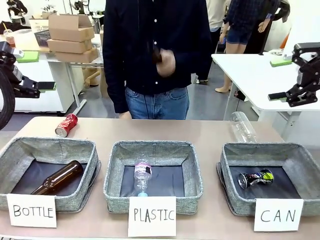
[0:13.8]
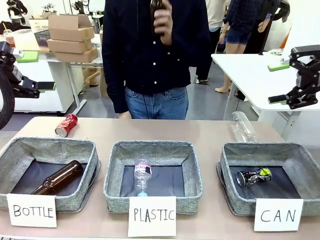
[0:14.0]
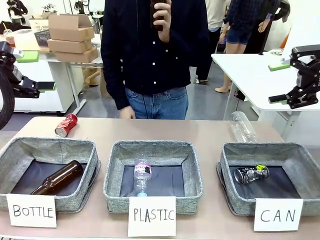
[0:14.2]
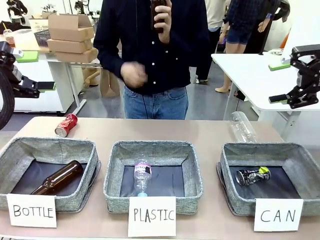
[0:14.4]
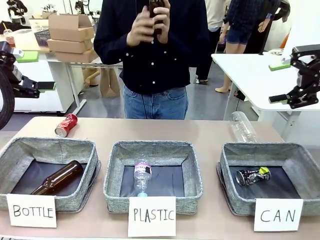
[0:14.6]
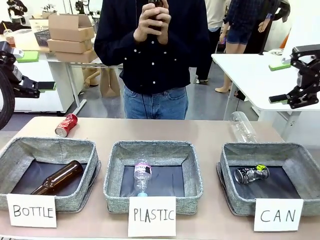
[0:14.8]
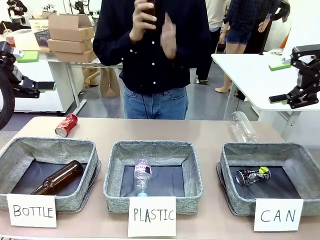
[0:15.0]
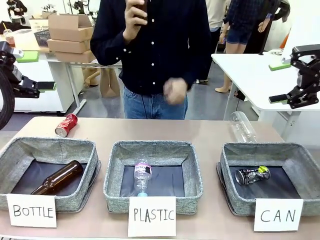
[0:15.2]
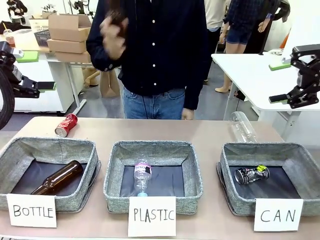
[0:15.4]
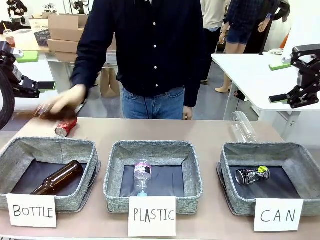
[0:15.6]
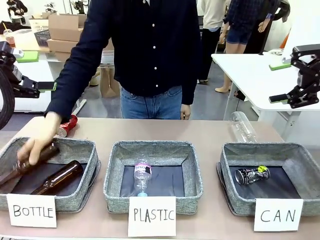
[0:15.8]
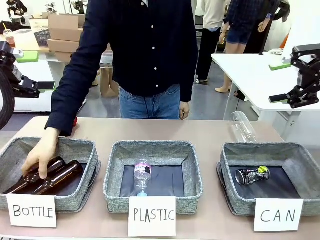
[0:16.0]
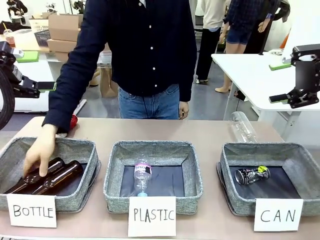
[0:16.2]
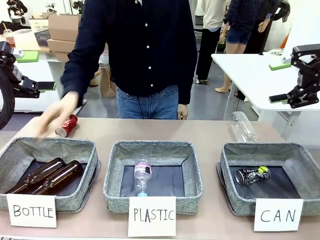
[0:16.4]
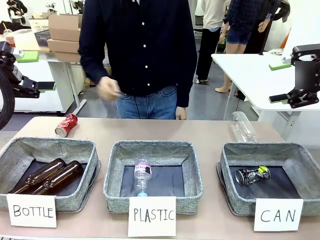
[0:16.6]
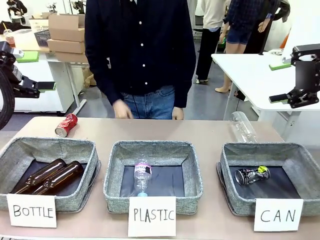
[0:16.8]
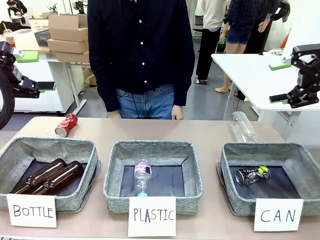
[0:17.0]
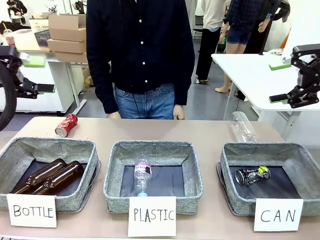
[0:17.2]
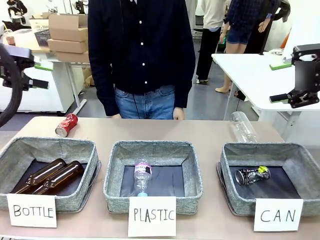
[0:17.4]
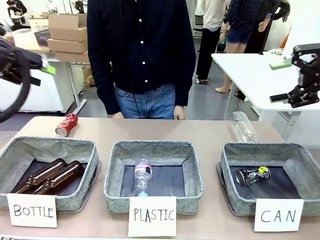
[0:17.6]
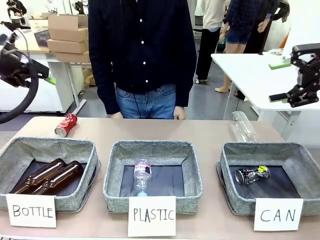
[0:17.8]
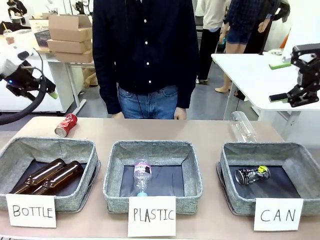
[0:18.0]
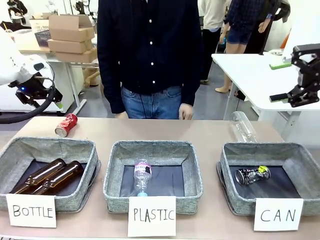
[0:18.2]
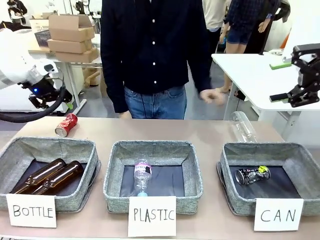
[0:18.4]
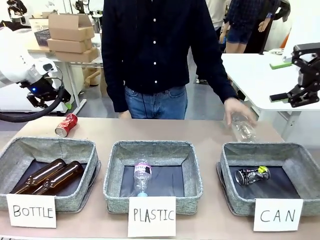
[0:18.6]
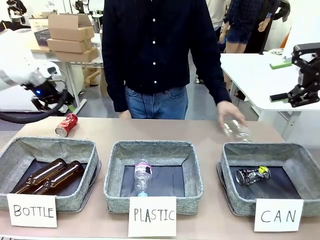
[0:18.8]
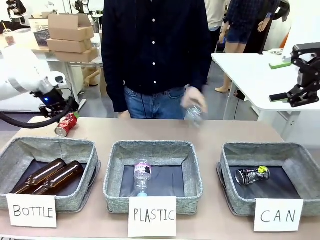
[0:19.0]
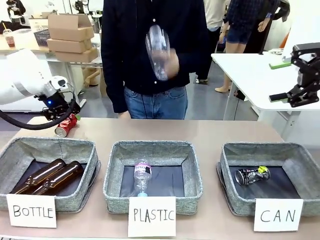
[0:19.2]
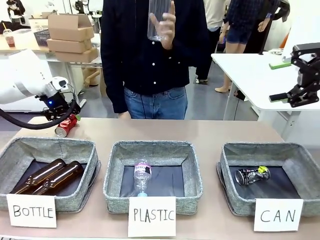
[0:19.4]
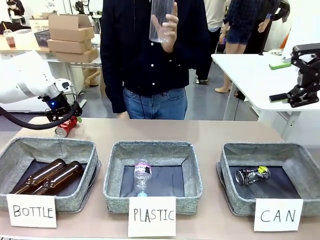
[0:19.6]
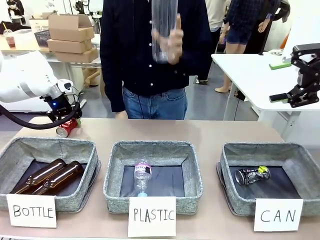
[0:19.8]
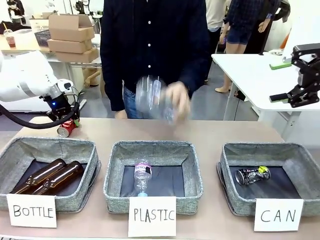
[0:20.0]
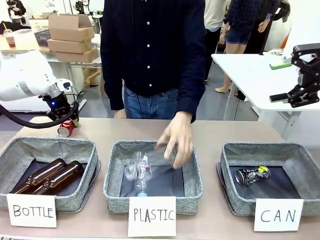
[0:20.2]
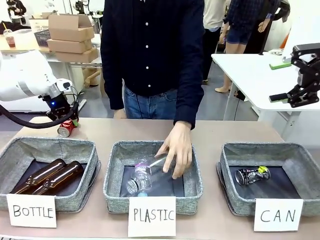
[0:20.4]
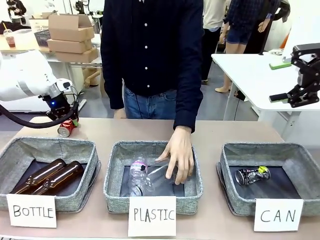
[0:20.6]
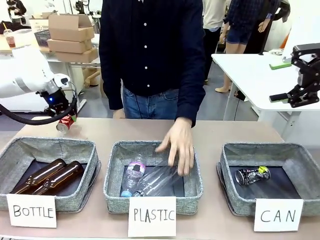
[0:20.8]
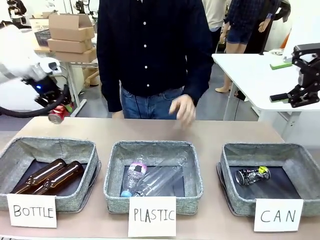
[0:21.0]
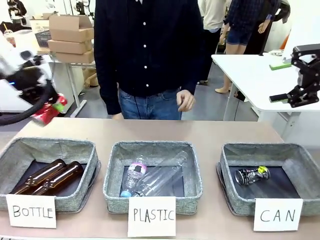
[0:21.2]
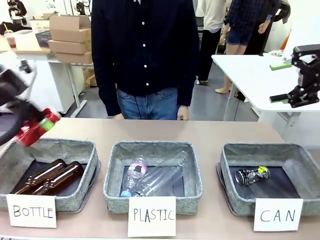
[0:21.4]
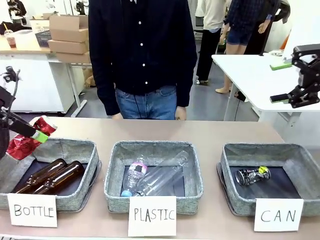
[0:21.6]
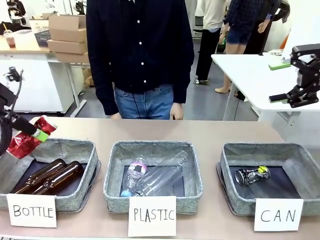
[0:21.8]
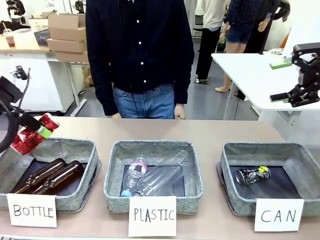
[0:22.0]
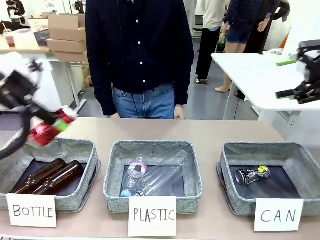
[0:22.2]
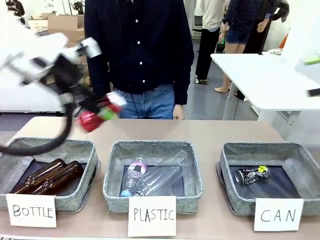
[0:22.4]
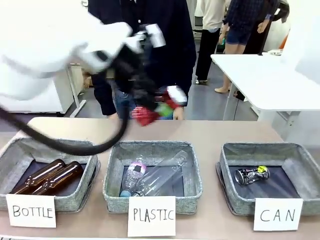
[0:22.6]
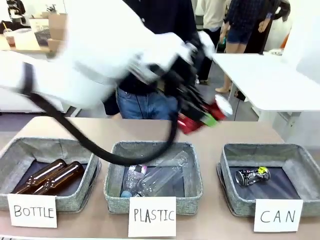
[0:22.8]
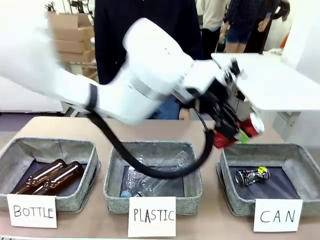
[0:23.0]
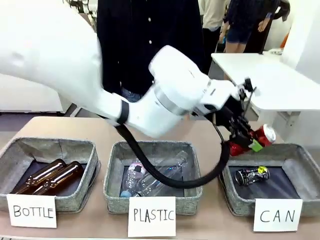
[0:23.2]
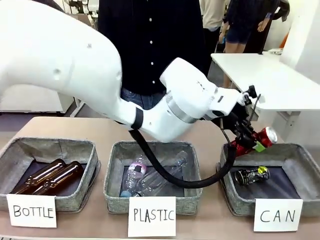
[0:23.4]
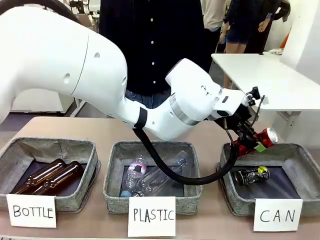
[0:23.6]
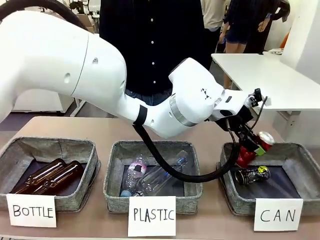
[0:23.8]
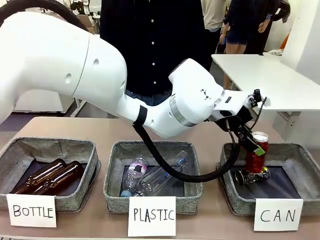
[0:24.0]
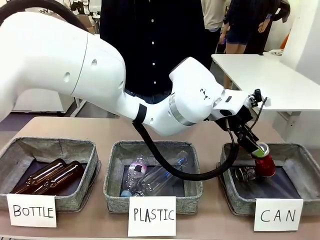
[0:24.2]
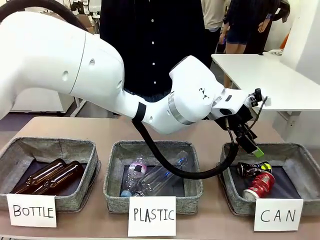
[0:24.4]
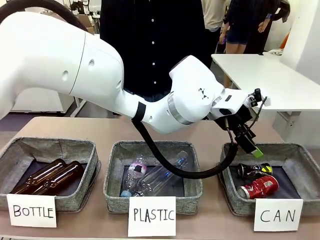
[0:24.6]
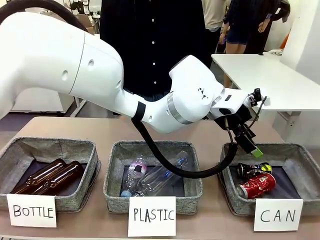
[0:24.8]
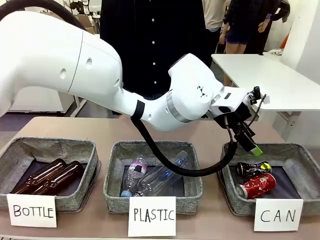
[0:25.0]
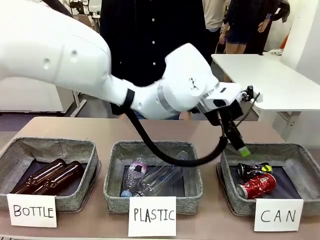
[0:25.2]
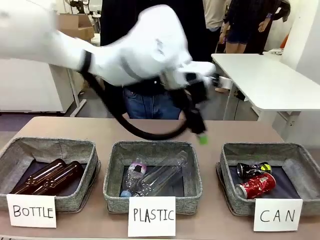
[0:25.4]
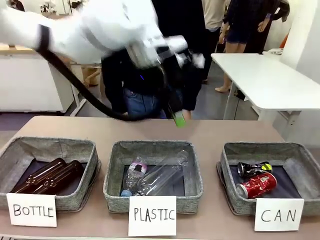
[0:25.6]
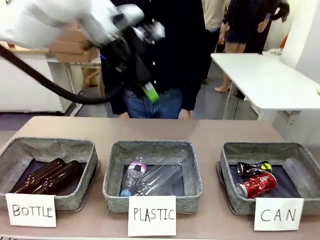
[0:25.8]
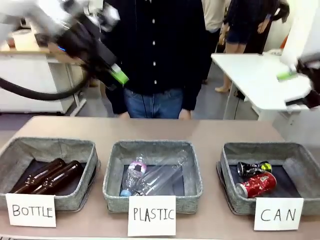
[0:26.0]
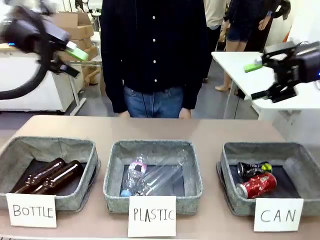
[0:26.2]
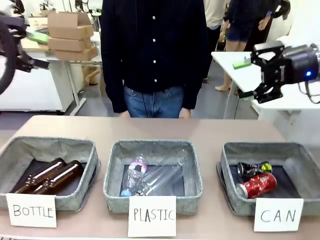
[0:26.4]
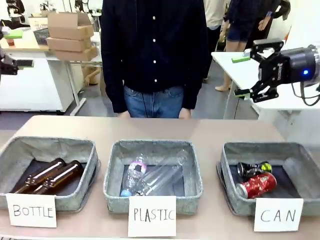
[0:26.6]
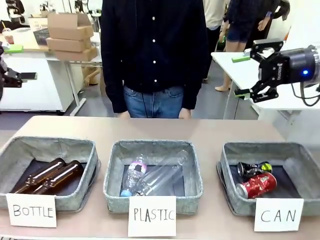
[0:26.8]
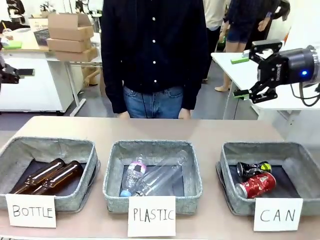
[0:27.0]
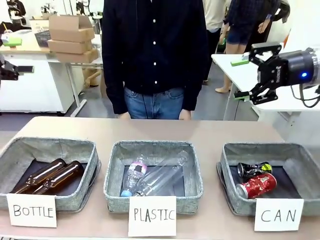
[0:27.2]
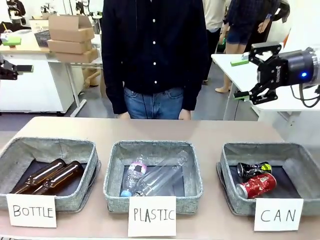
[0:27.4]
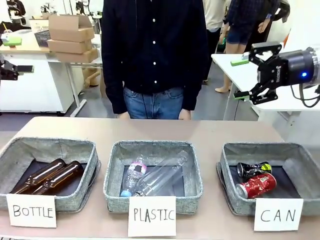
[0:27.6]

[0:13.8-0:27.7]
Task: Sort the can waste into the basket.
Robot: Pick up the can waste from the table and place it in the right Fabric basket.
Person: The human picks up one piece of trash that is not a can and places the trash into the appropriate organizing basket.
